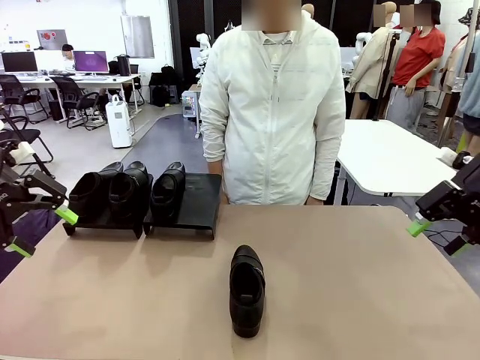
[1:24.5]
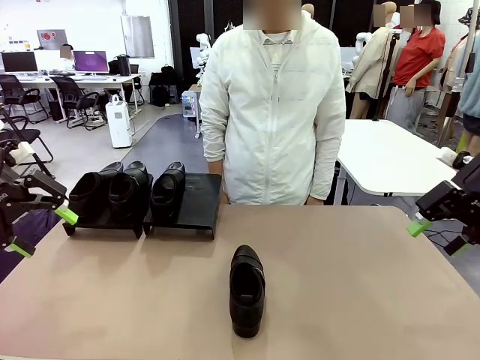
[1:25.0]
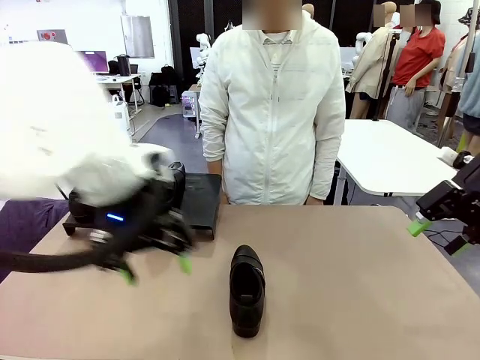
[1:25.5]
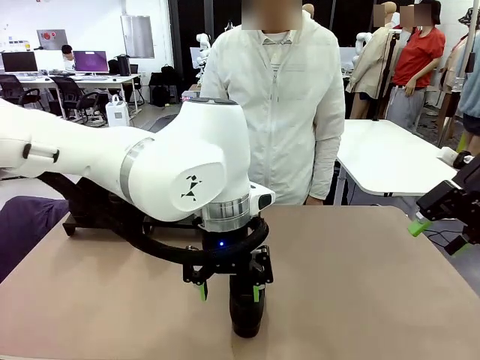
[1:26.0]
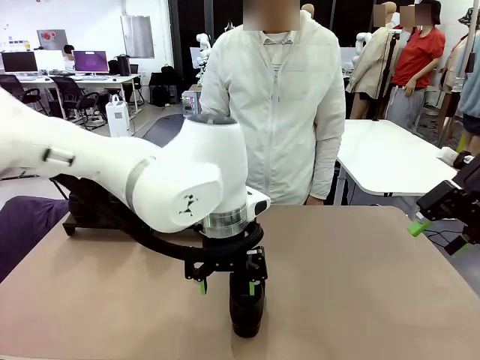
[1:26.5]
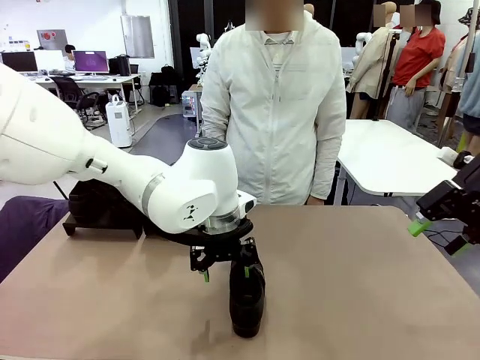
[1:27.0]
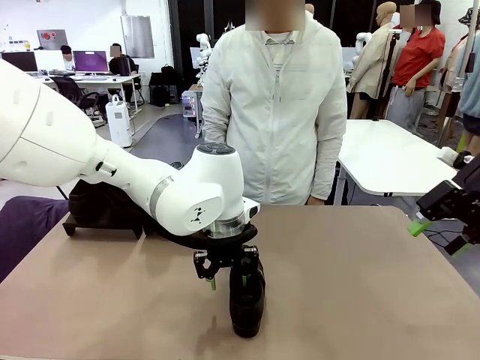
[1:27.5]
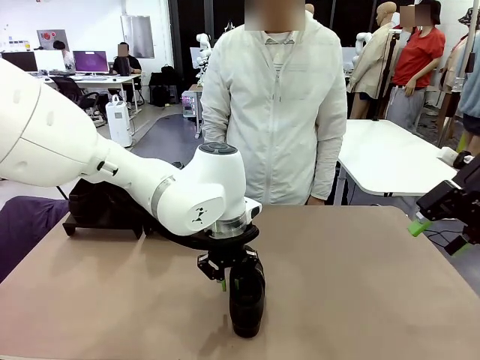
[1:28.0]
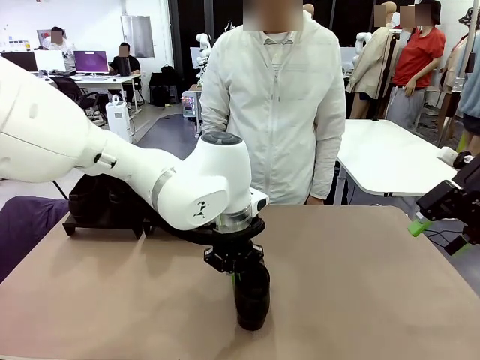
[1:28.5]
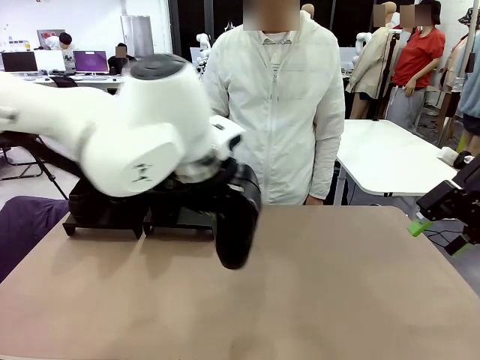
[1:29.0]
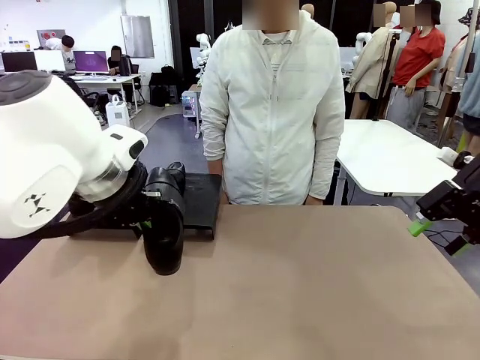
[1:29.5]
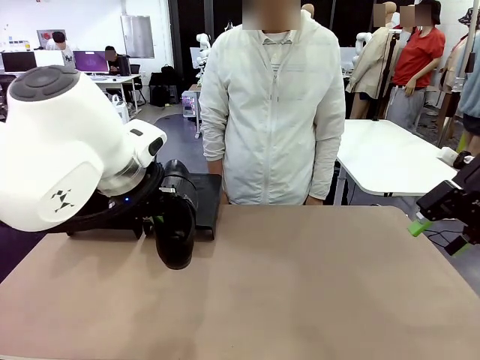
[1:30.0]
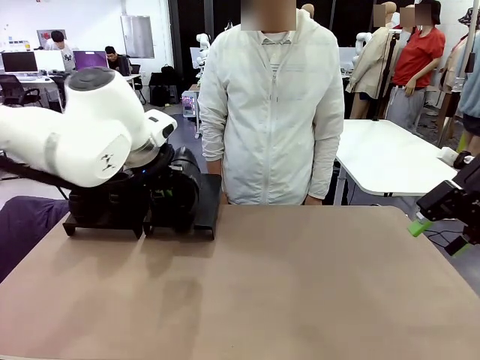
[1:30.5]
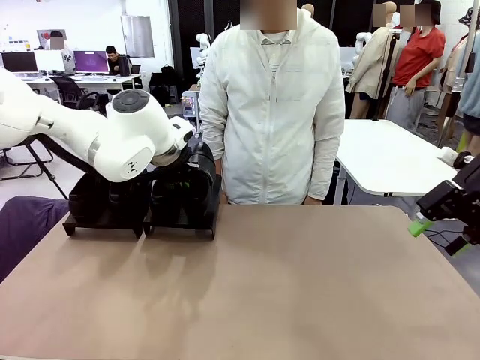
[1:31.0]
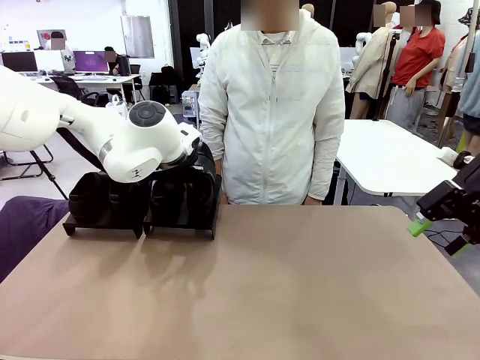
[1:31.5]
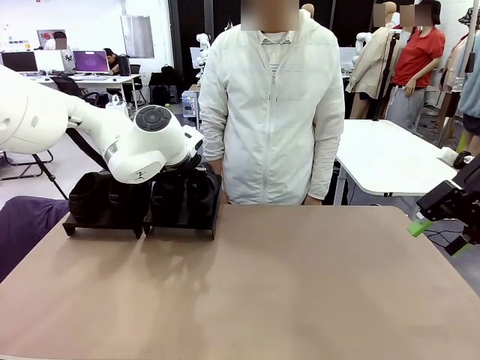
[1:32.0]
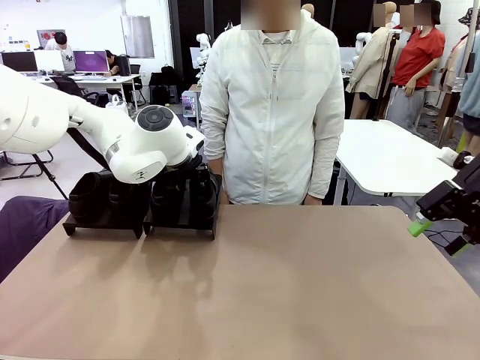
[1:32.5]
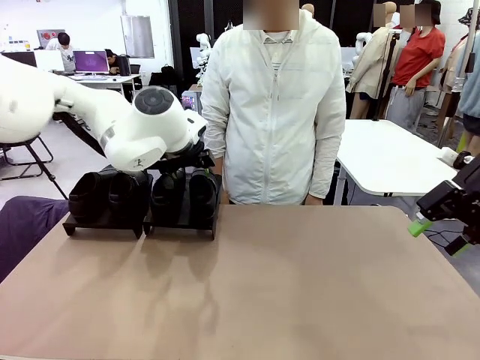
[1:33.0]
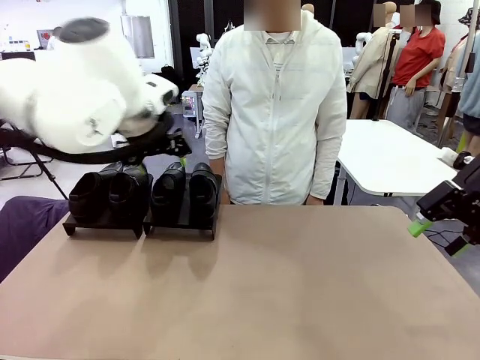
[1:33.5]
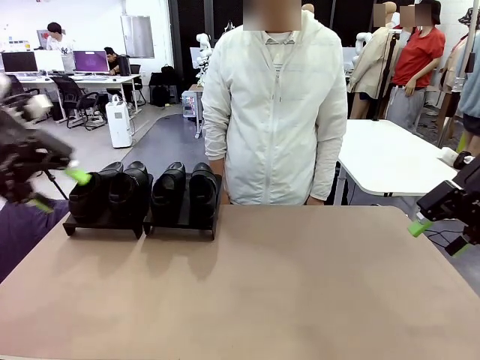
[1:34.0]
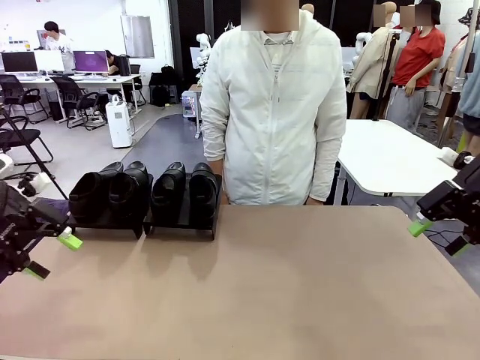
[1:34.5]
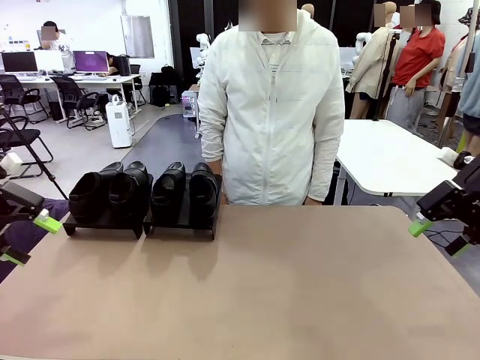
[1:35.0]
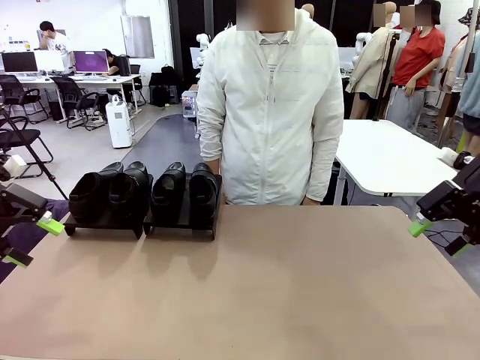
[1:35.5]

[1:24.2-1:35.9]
Task: Organize the shoes by placing them on the stand.
Robot: Place the Shoe from the middle of the table onto the Shoes Stand.

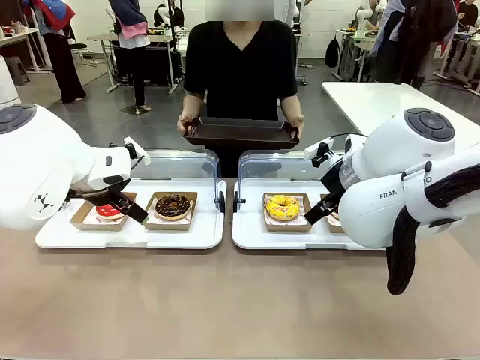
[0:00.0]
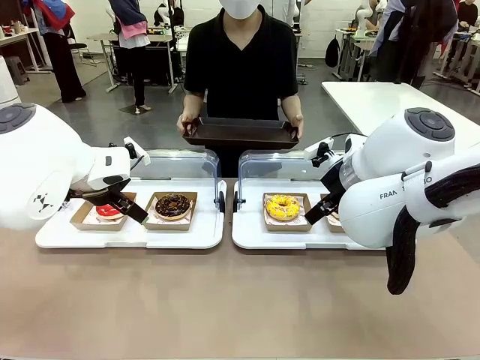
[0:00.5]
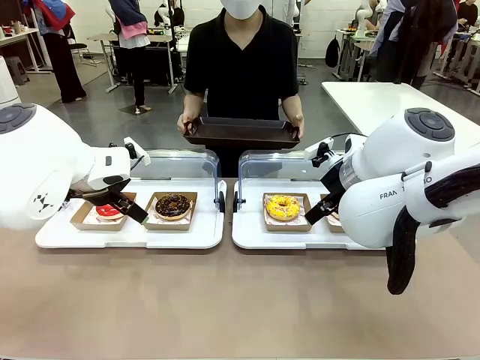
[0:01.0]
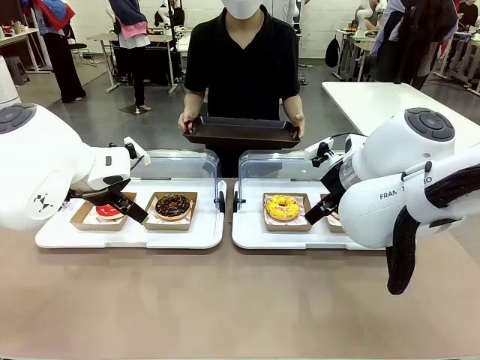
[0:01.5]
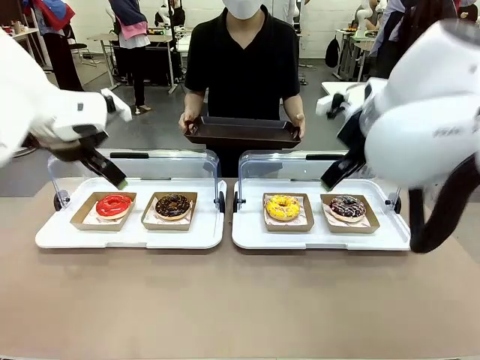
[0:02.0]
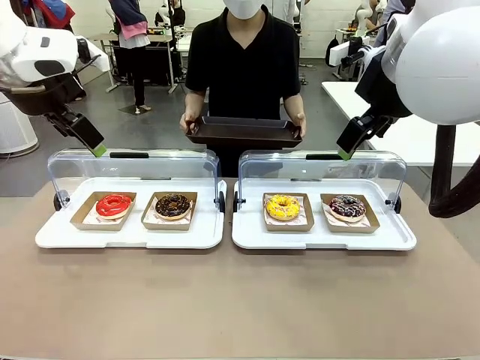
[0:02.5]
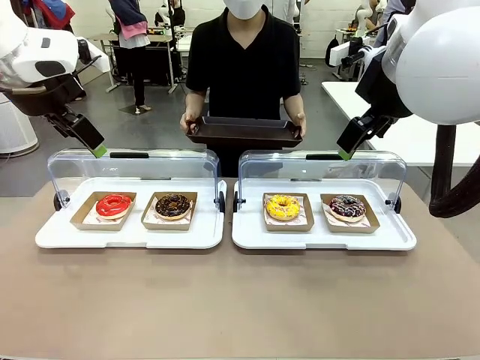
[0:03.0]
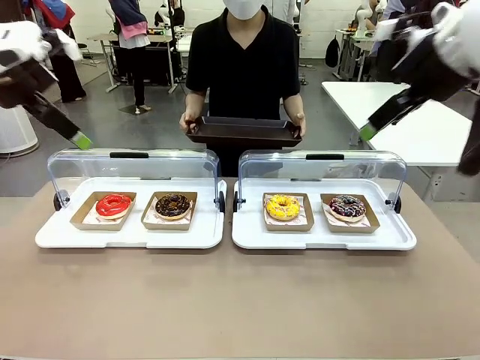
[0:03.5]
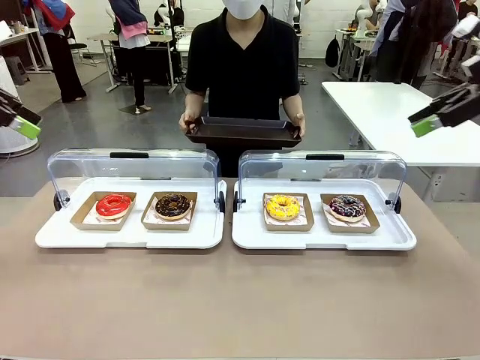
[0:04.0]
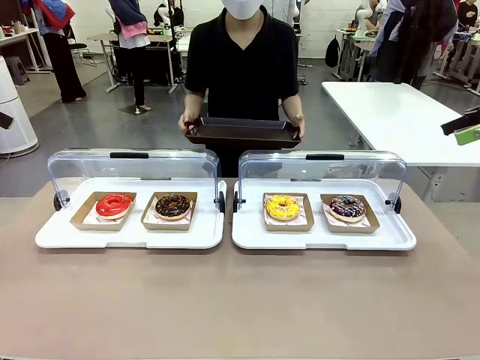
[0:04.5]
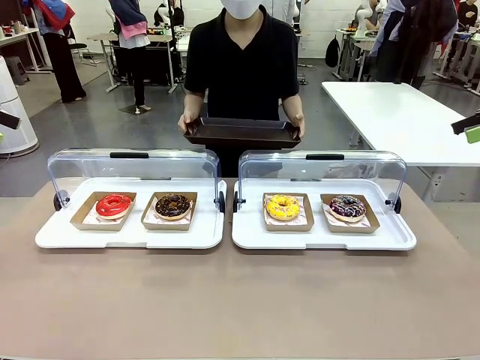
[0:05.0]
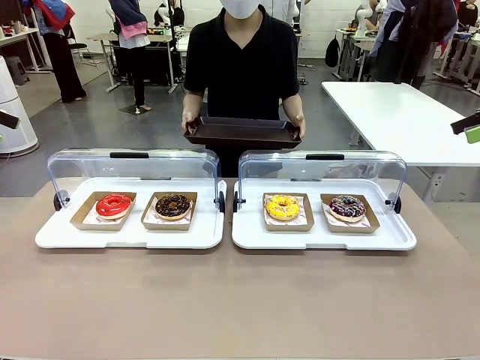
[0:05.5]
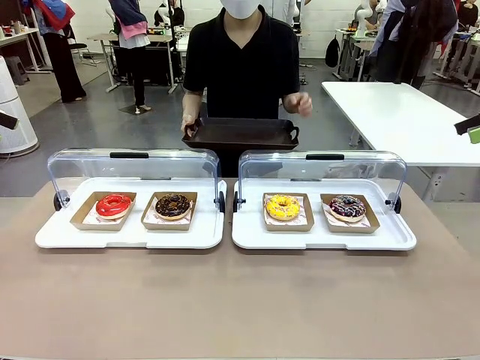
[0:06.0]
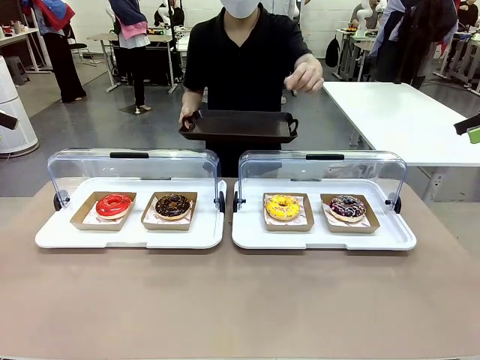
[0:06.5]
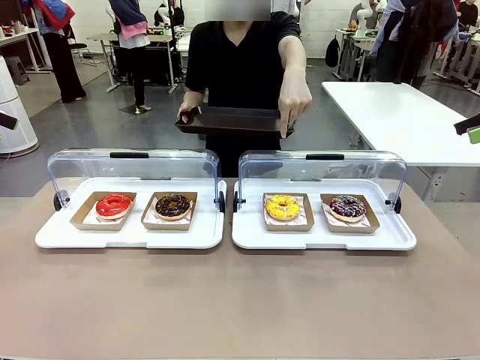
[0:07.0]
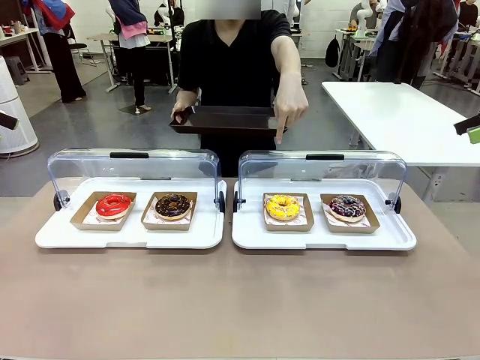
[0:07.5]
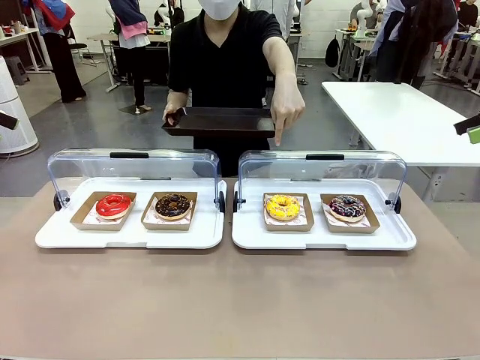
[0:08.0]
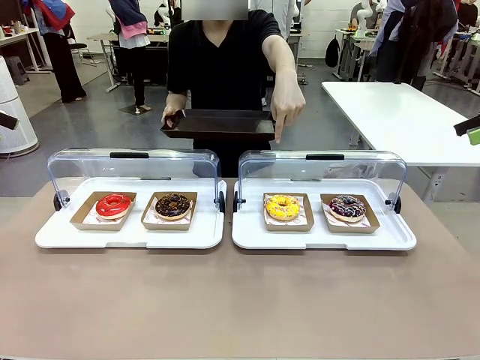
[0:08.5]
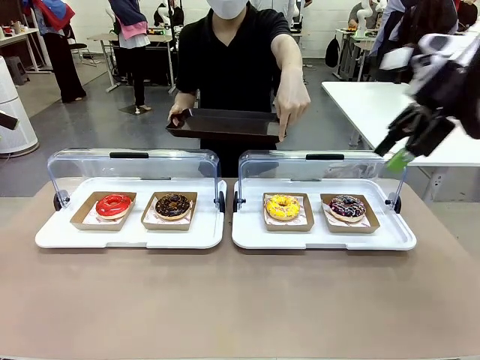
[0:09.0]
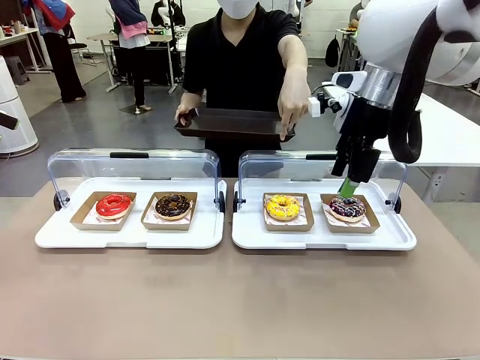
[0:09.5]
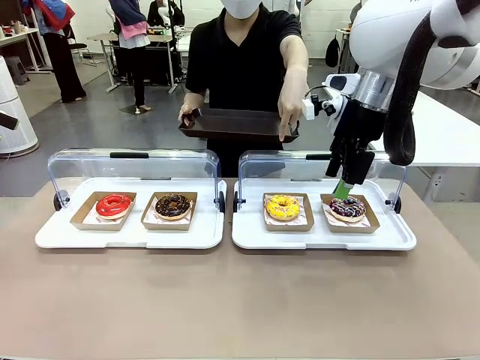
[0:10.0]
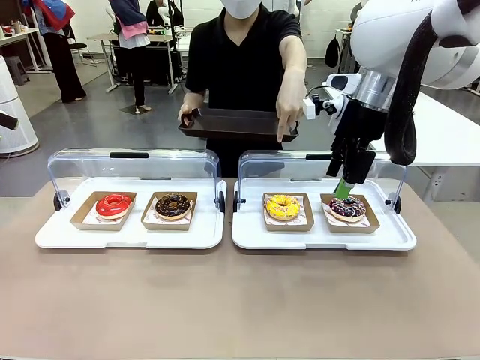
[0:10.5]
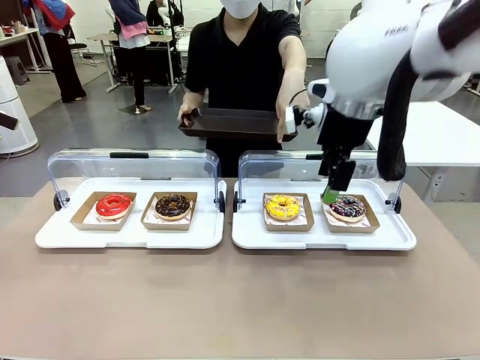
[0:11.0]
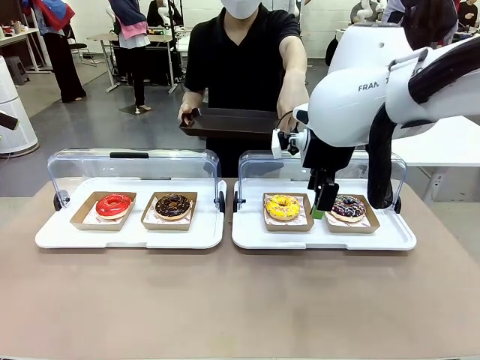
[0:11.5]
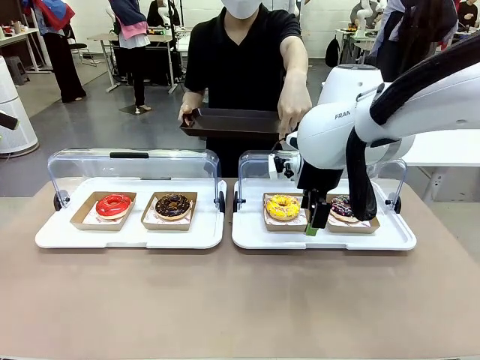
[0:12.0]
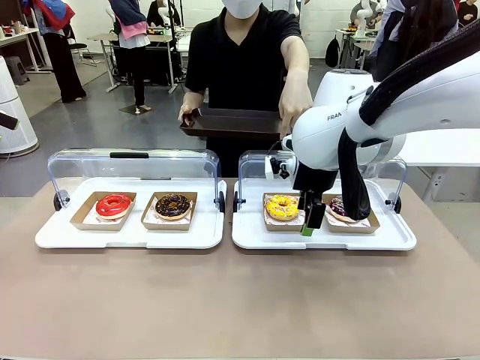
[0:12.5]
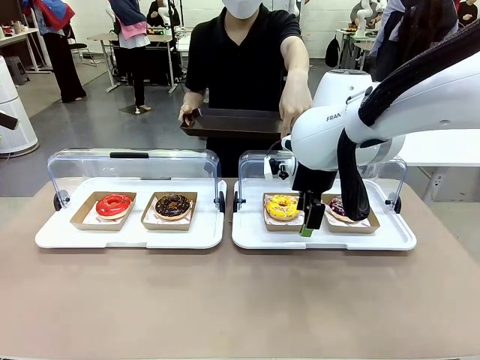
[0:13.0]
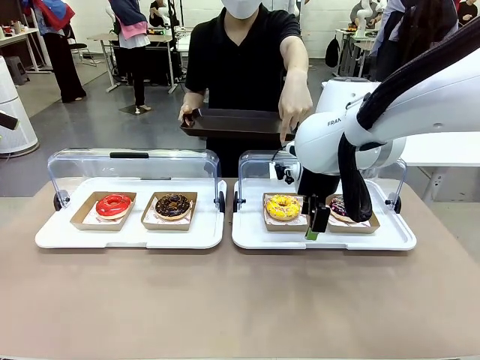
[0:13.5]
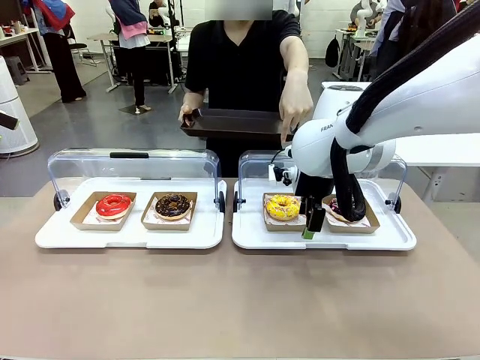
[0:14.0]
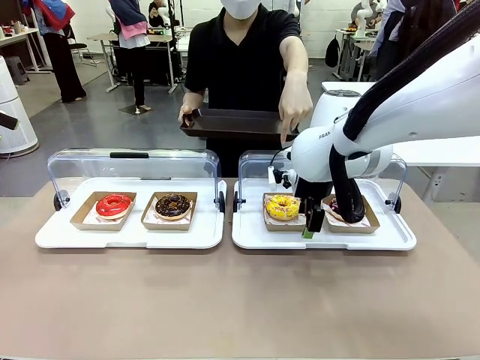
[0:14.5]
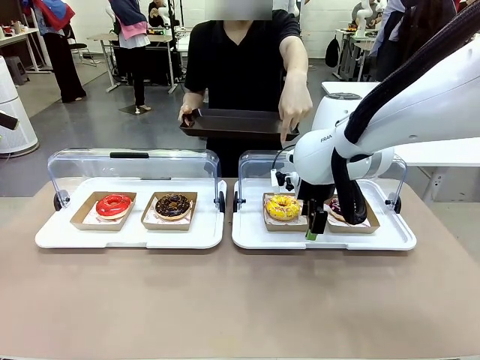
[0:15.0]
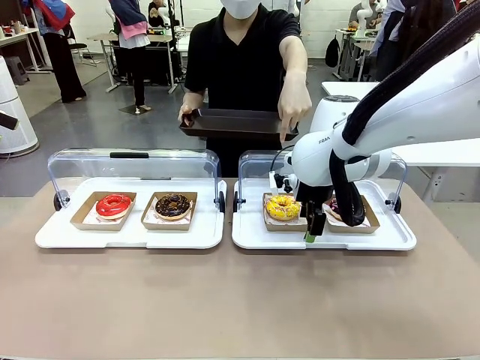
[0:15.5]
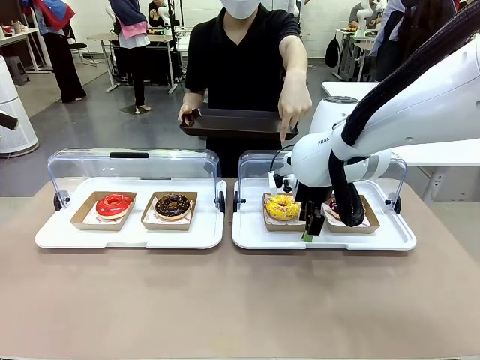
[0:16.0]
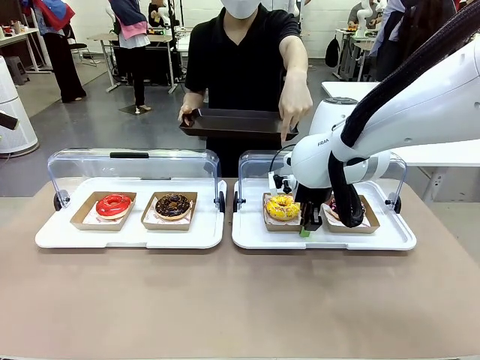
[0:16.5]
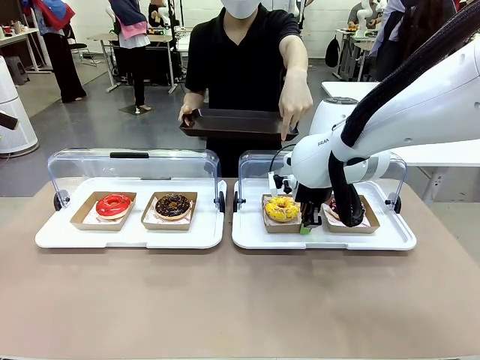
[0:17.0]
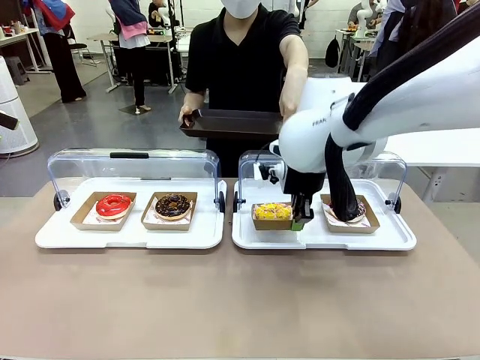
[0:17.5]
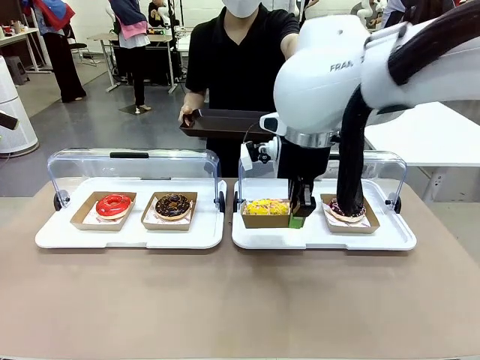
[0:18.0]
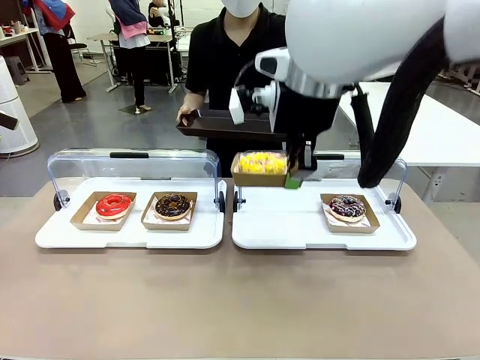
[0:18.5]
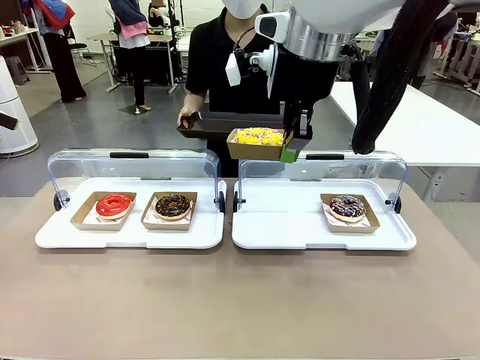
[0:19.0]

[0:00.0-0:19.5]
Task: Provide the desired donut to the person.
Robot: Pick up and lift the Paper togo box containing the Donut pointed at by the person.
Person: Point to one donut. Lift the tray onto the Roll-Top Bakery Case.
